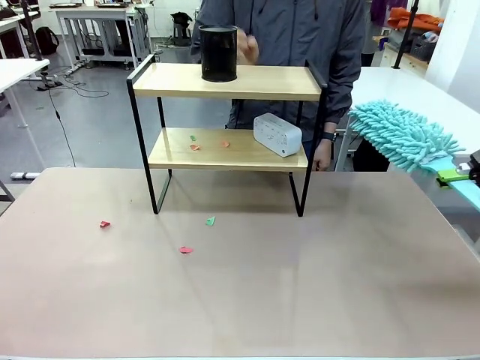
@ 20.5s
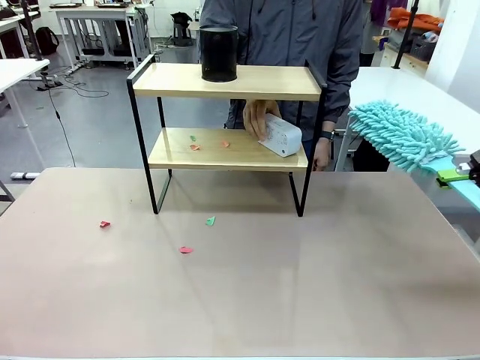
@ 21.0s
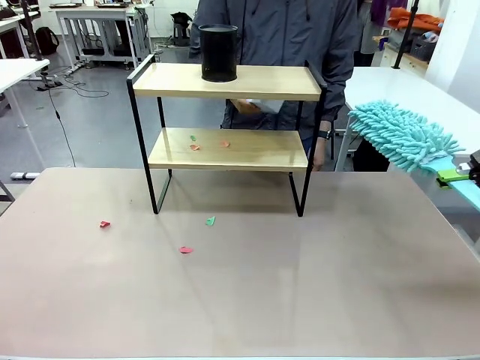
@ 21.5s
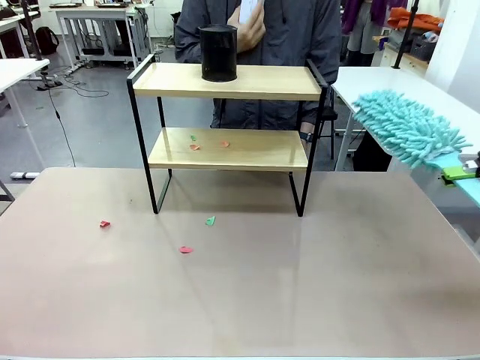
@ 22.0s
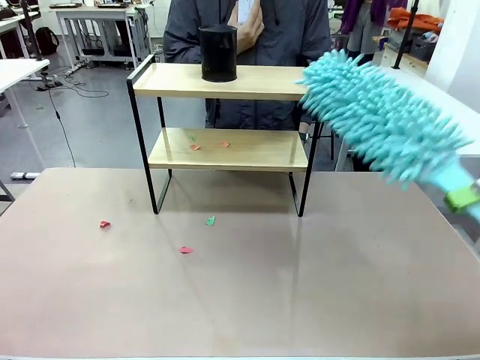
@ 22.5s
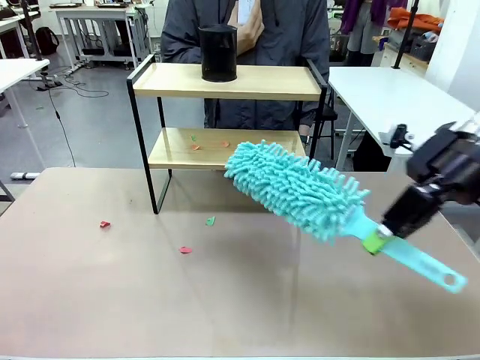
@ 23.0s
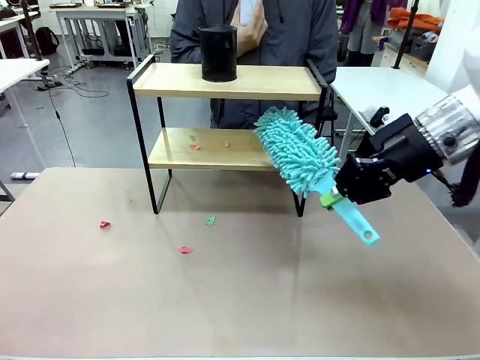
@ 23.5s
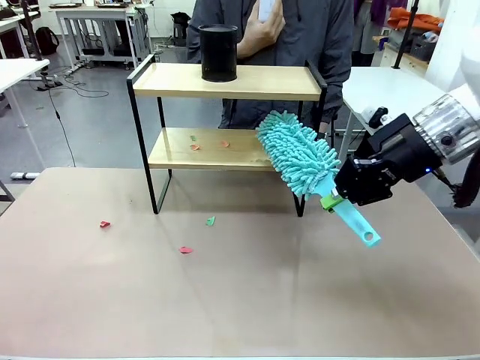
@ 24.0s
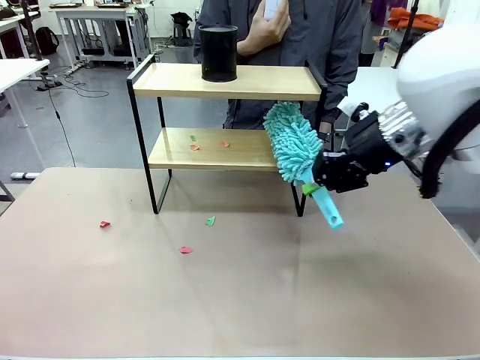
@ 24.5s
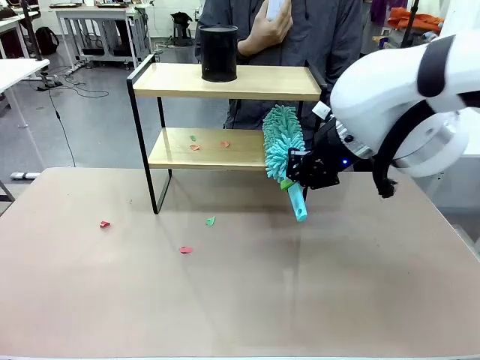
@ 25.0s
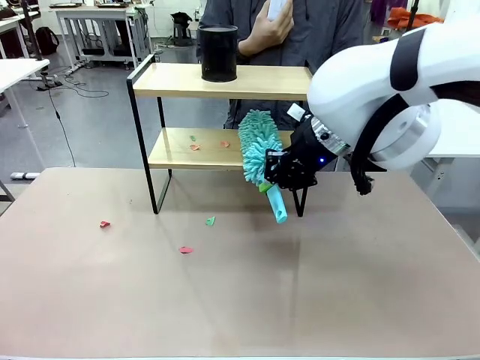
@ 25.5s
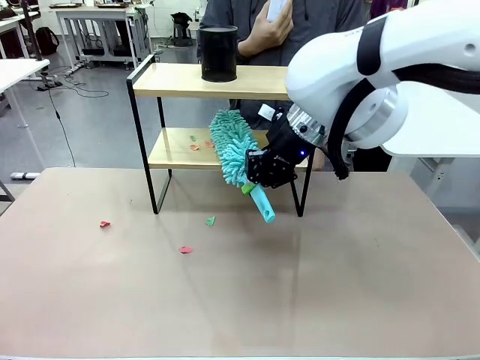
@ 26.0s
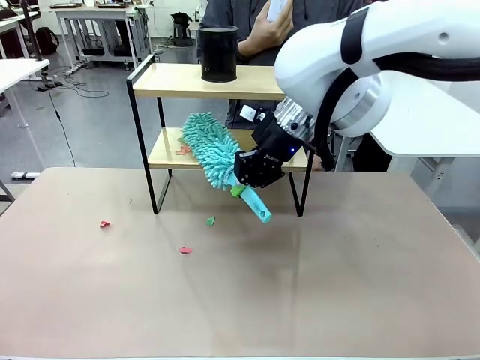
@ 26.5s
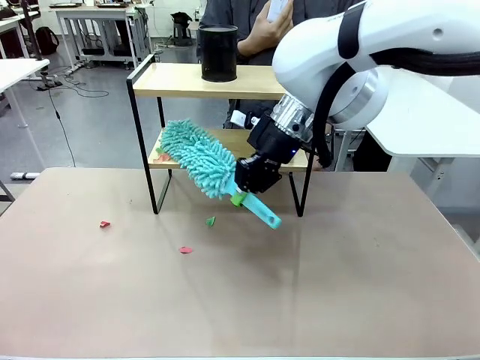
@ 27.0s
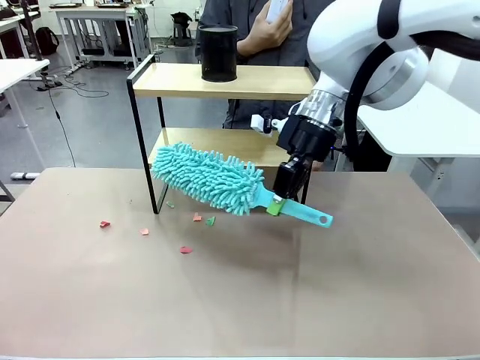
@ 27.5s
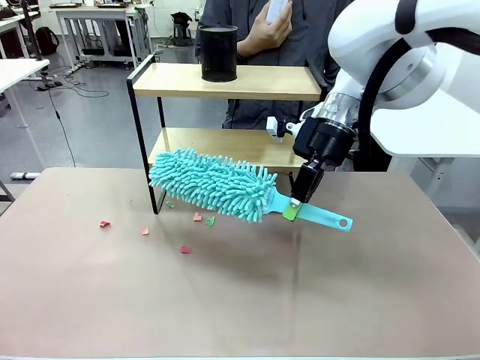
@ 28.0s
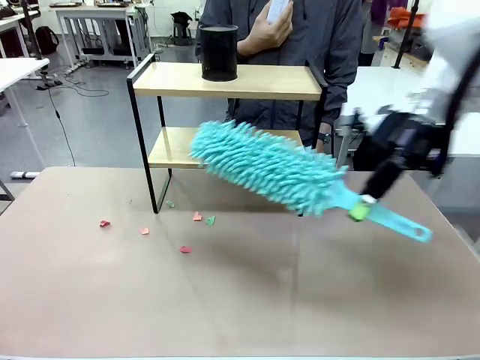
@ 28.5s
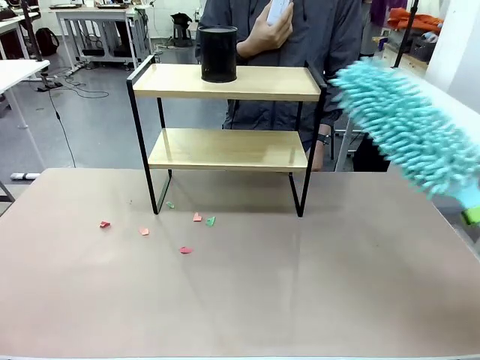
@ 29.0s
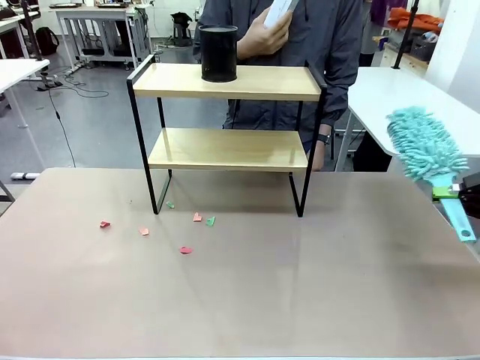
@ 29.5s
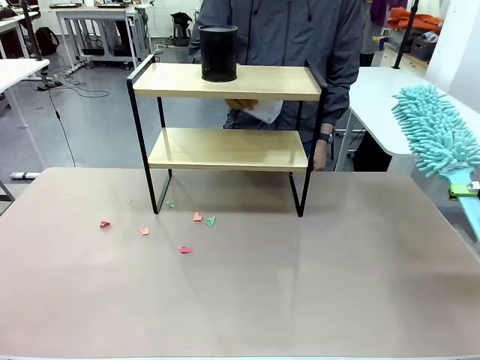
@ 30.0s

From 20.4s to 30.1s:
Task: Clean the shelf.
Robot: Clean the remaining tier of the Shelf with the Duster once objects are removed.

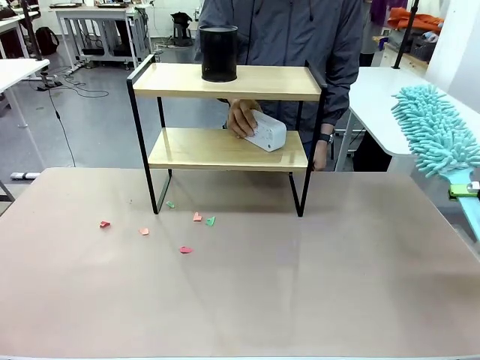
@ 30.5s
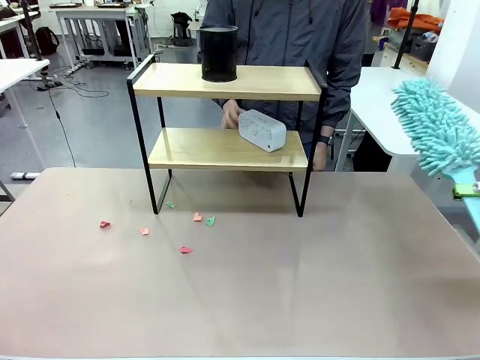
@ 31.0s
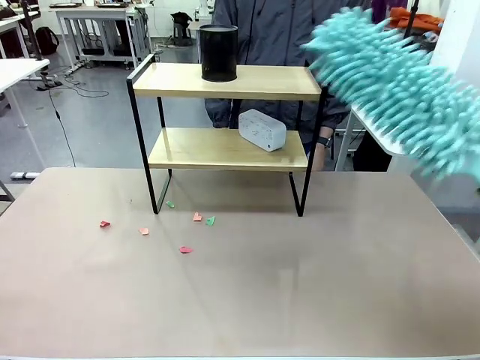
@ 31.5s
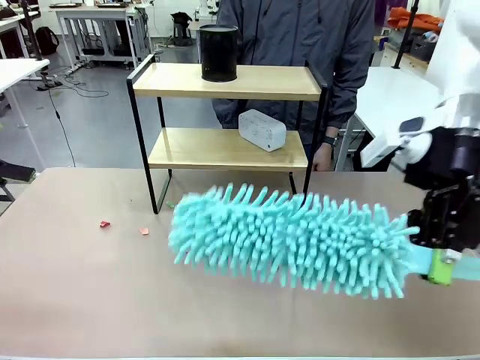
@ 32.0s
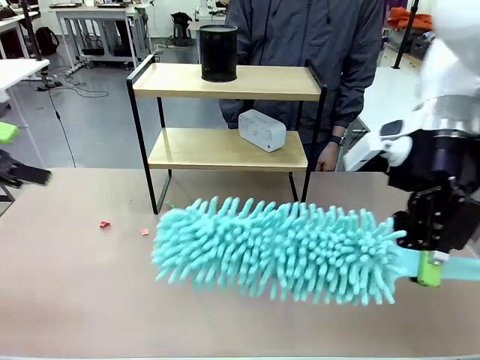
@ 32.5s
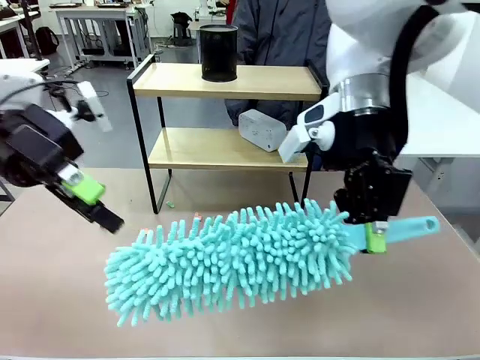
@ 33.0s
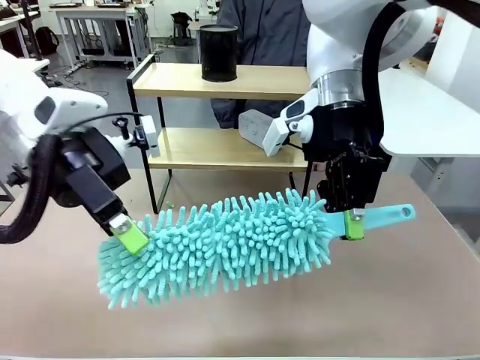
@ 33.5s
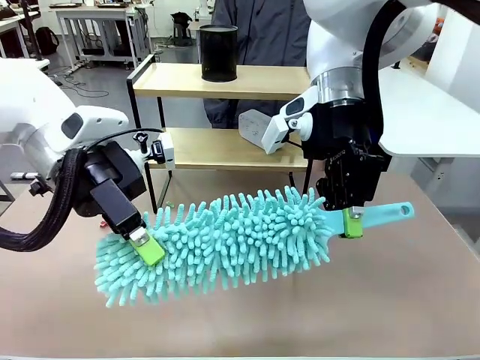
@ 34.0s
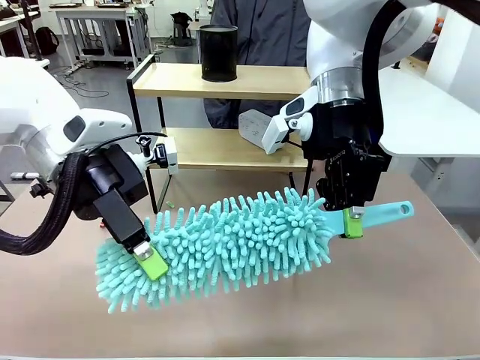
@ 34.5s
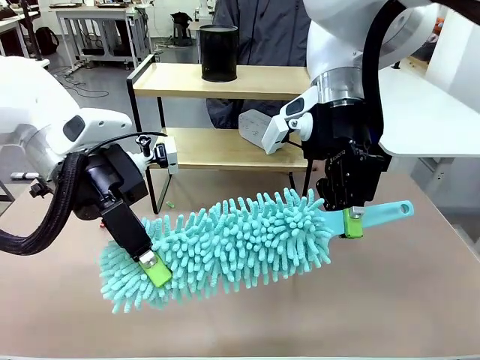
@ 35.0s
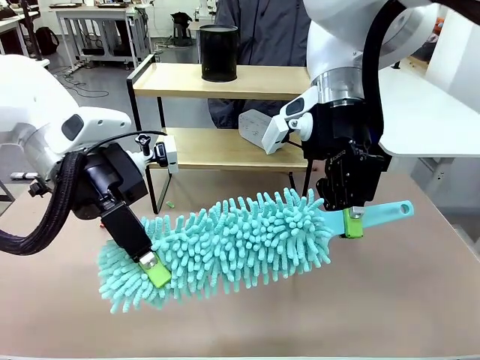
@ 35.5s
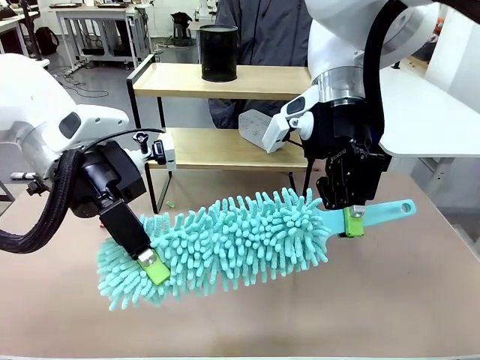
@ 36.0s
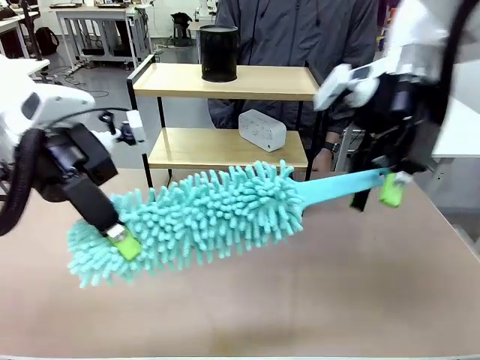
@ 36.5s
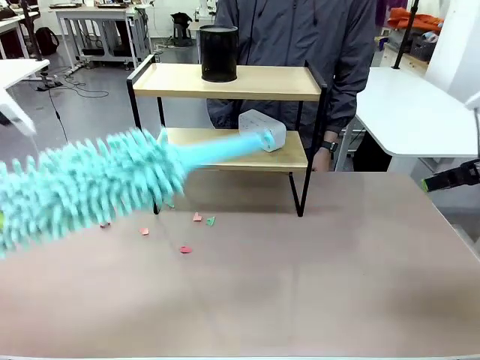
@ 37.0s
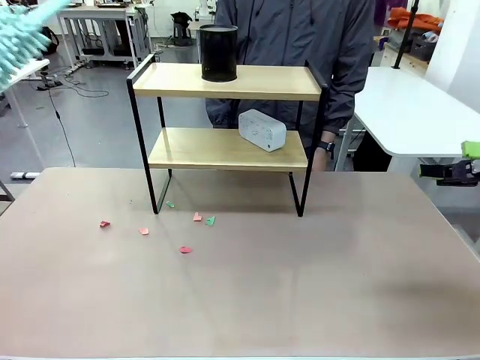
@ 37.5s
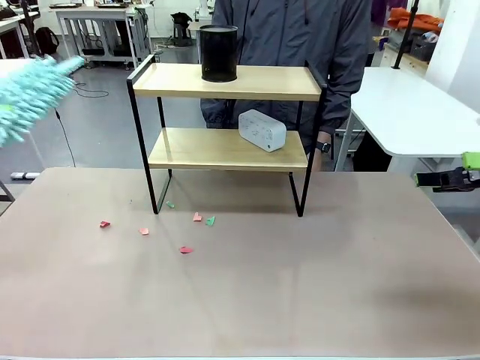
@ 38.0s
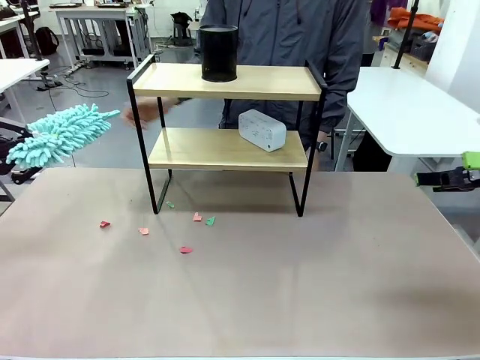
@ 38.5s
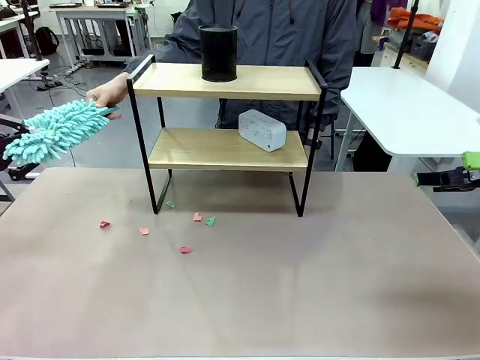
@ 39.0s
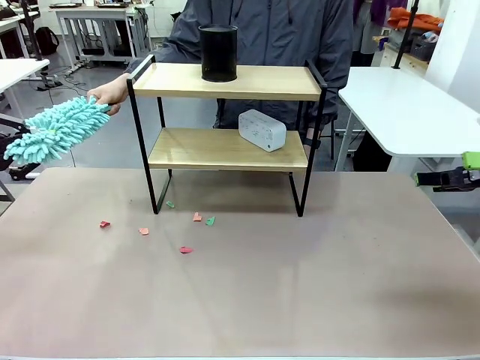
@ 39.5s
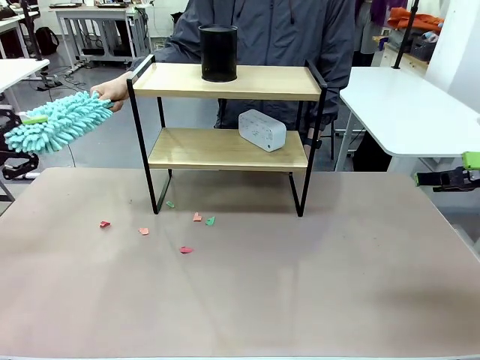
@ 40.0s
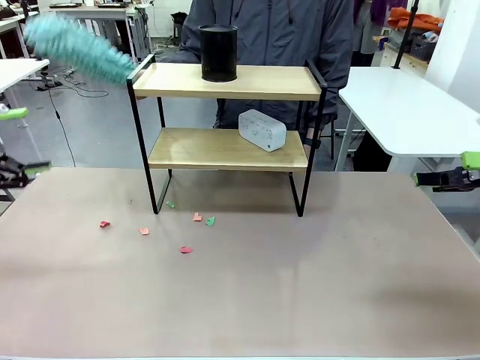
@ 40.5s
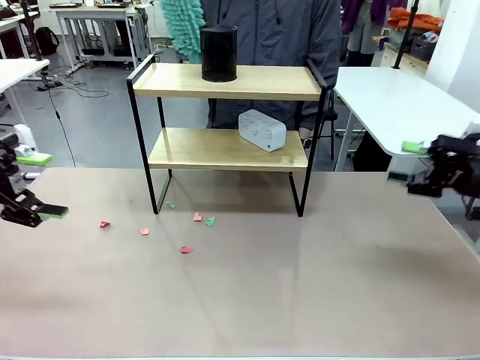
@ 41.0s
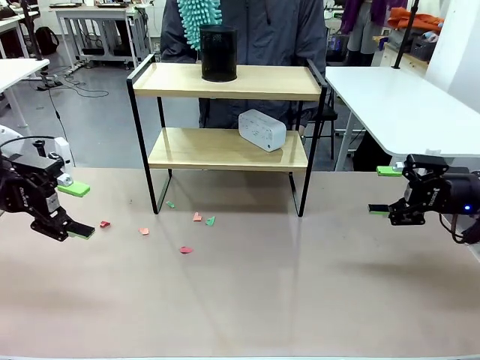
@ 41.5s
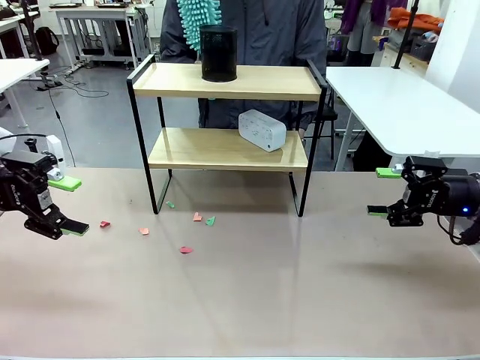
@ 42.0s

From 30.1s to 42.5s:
Robot: Hand the Duster back to the human.
Person: Receive the Duster from the robot.

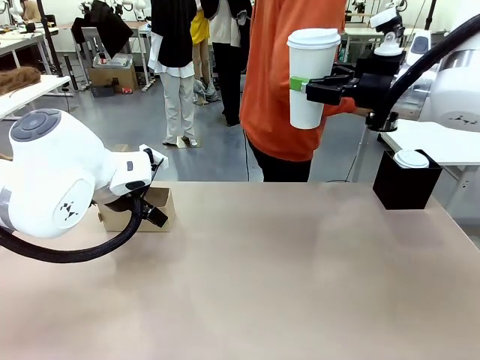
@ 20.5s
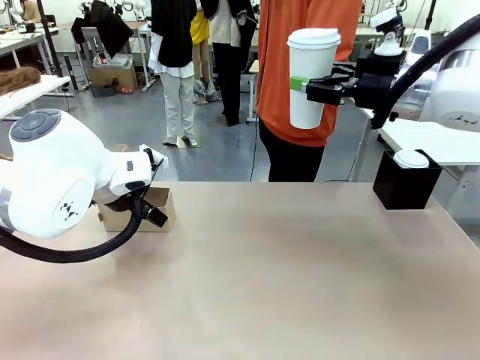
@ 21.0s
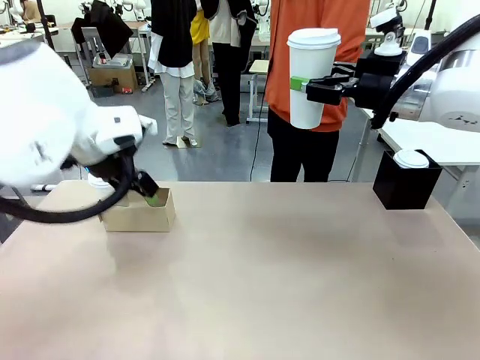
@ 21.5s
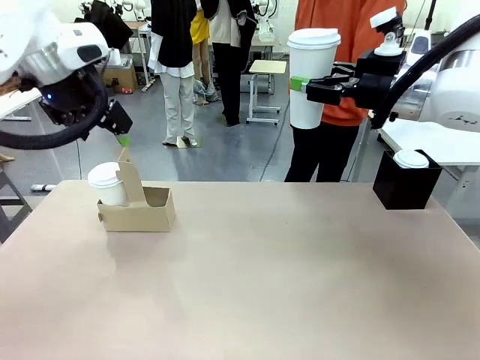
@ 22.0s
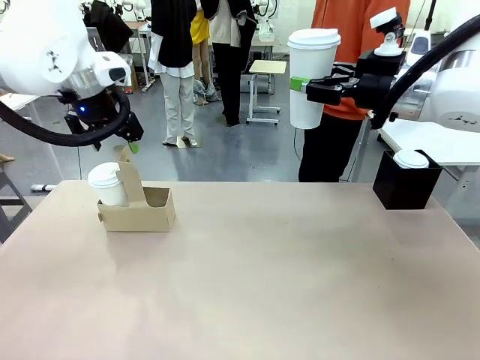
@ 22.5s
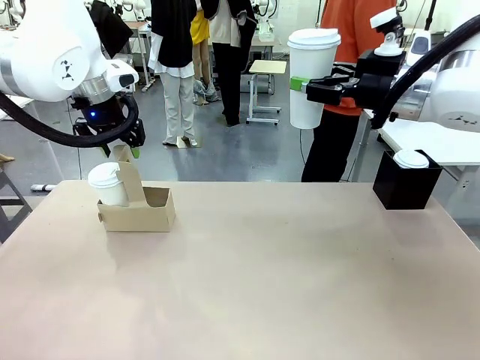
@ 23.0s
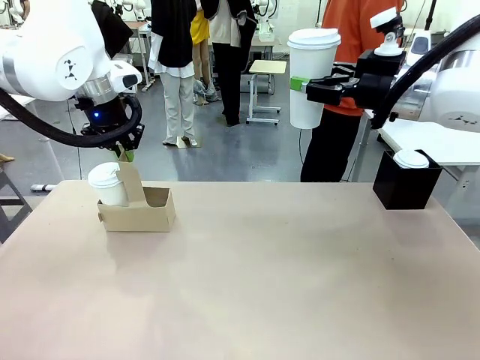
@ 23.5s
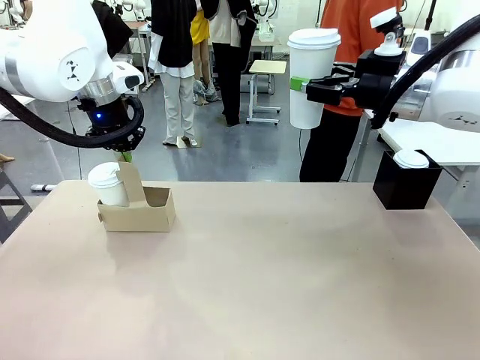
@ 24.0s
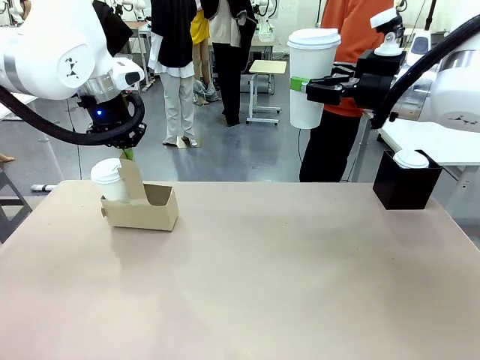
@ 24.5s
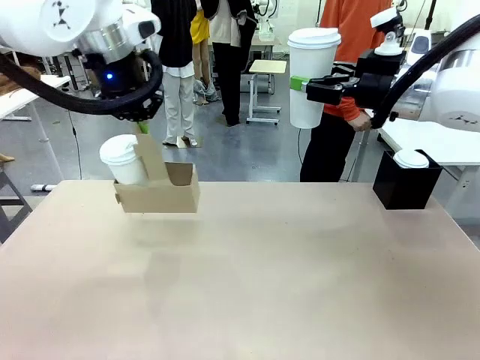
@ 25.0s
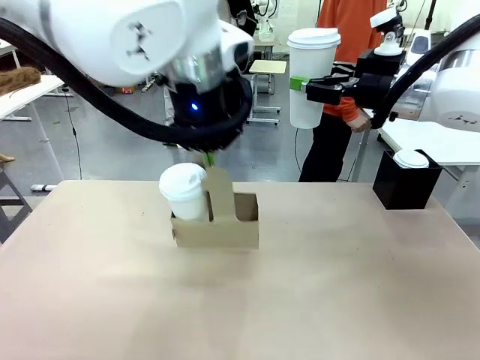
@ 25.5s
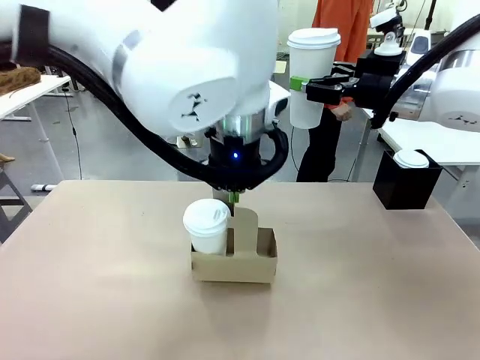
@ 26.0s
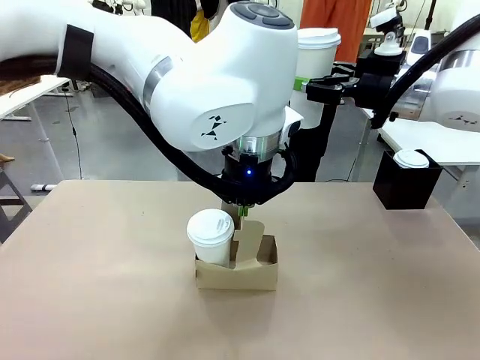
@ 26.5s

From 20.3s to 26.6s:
Task: Pour a drink into a cup and package it in a carrier.
Robot: Position the Cup Carrier in the center of the table.
